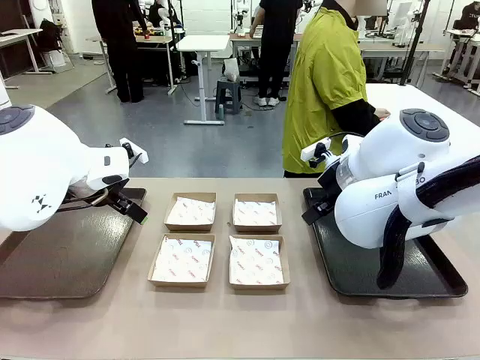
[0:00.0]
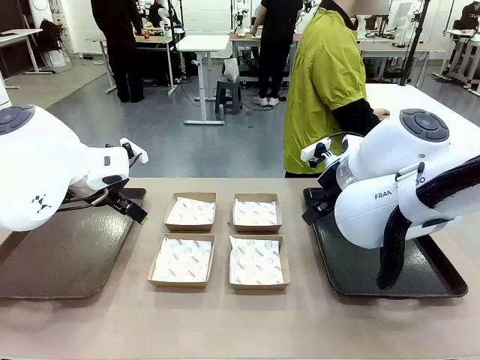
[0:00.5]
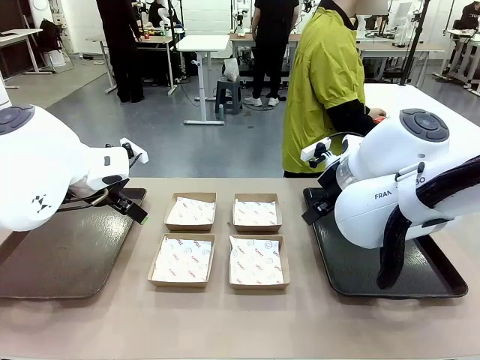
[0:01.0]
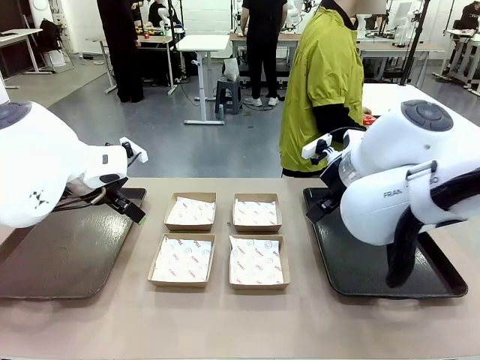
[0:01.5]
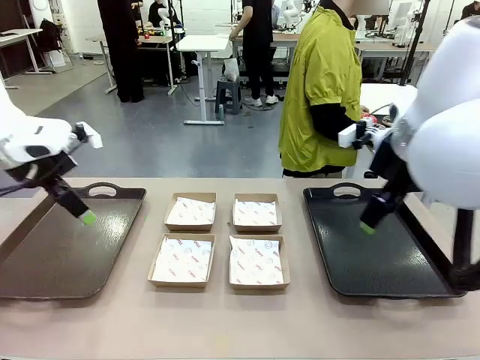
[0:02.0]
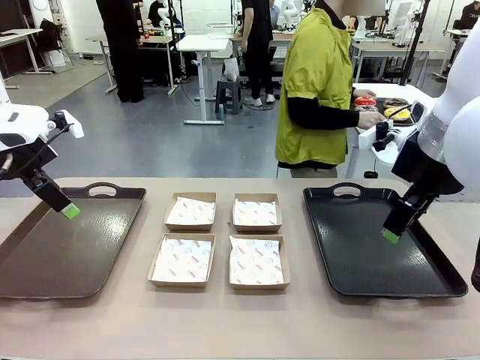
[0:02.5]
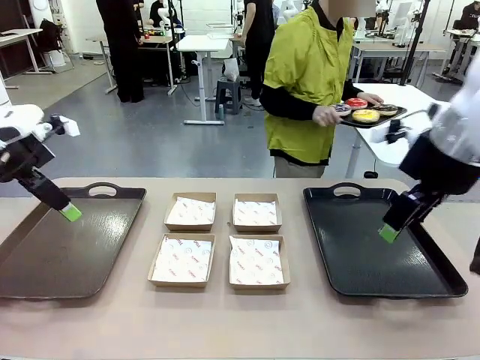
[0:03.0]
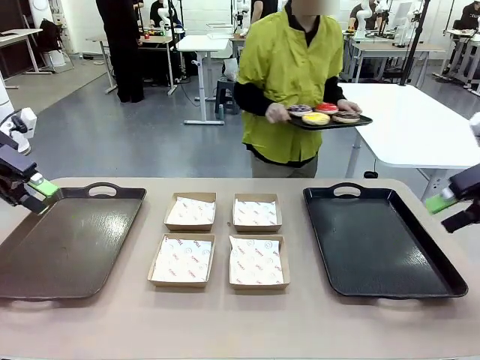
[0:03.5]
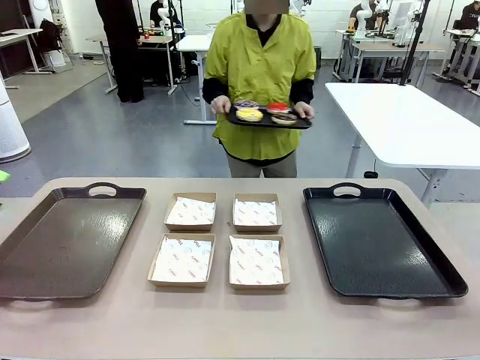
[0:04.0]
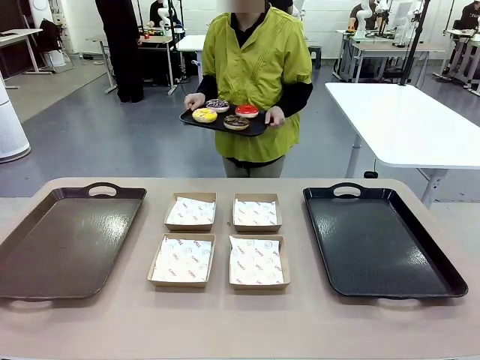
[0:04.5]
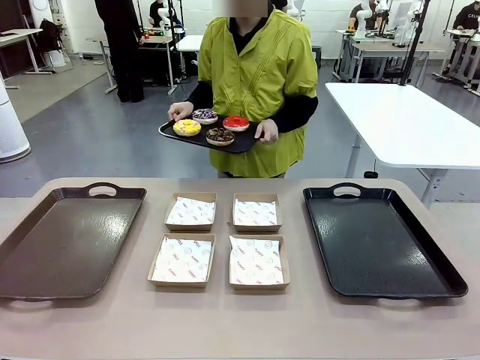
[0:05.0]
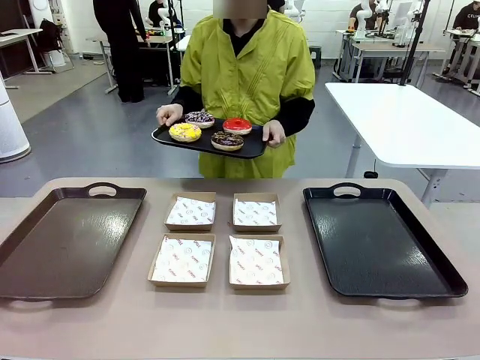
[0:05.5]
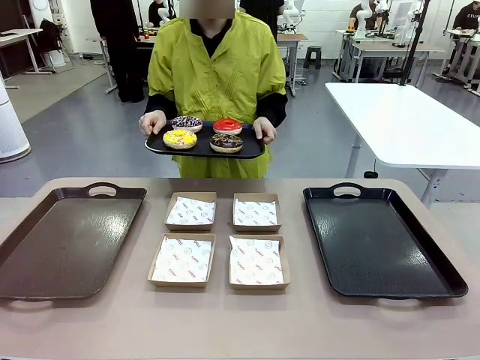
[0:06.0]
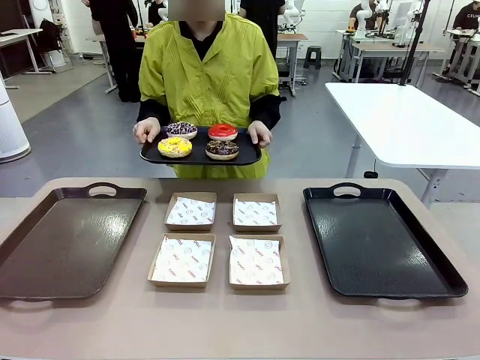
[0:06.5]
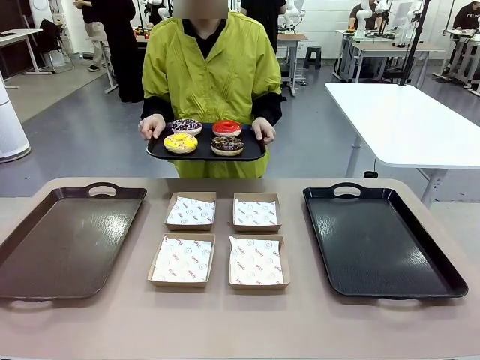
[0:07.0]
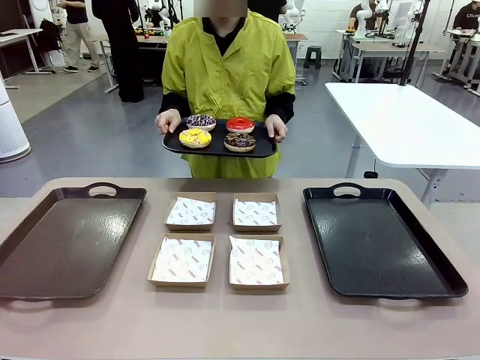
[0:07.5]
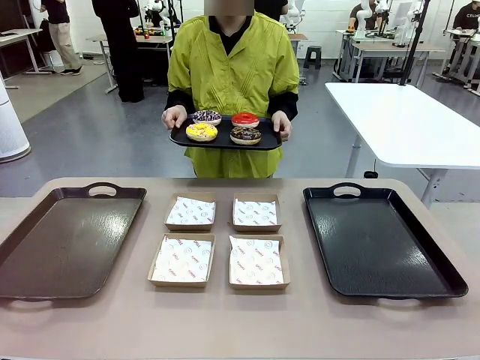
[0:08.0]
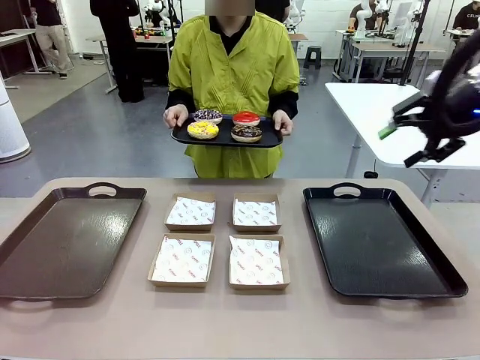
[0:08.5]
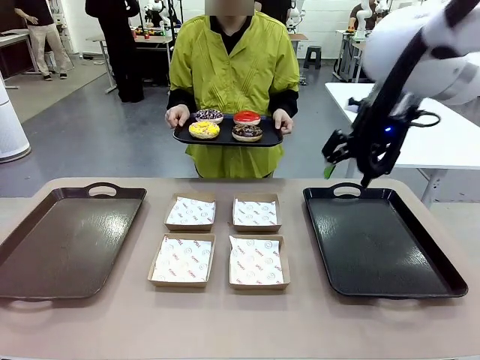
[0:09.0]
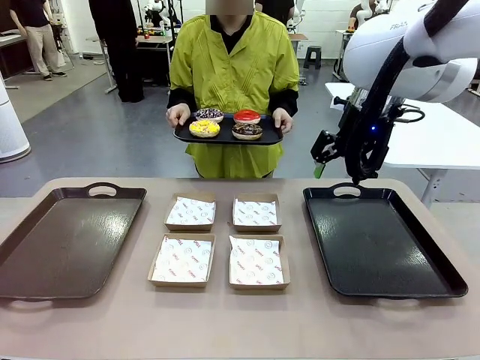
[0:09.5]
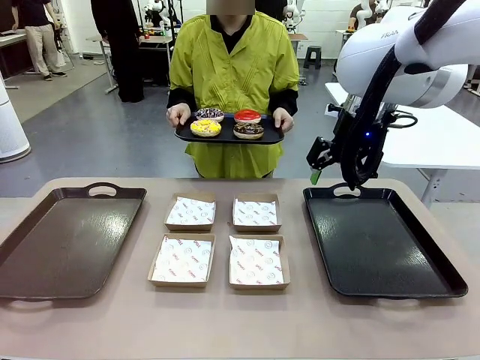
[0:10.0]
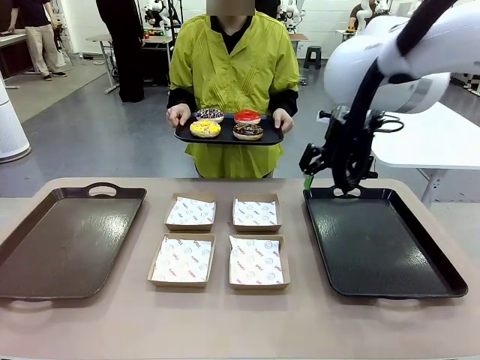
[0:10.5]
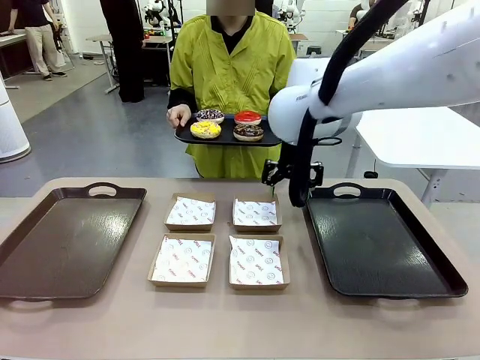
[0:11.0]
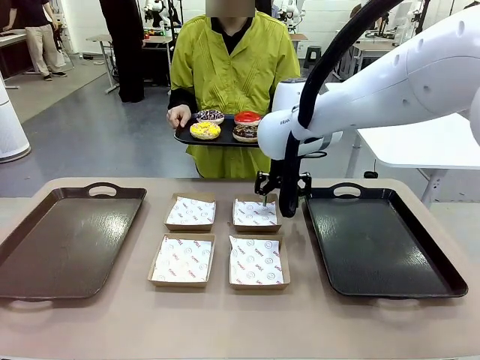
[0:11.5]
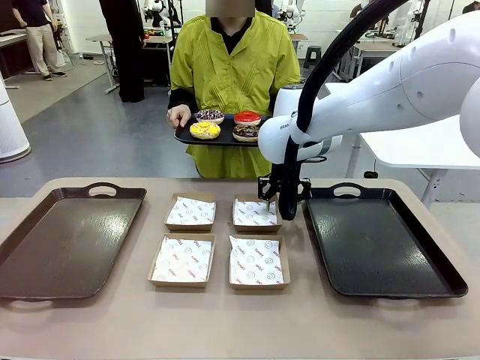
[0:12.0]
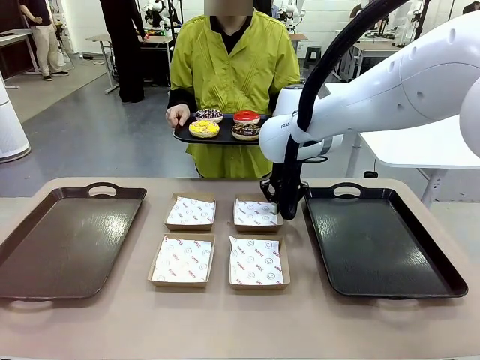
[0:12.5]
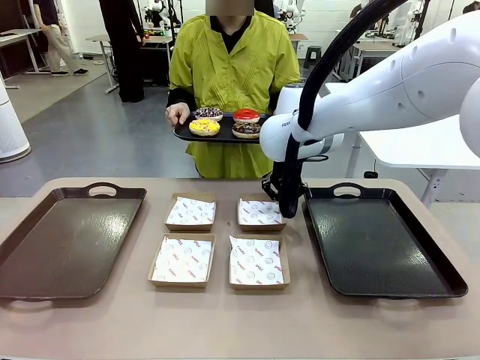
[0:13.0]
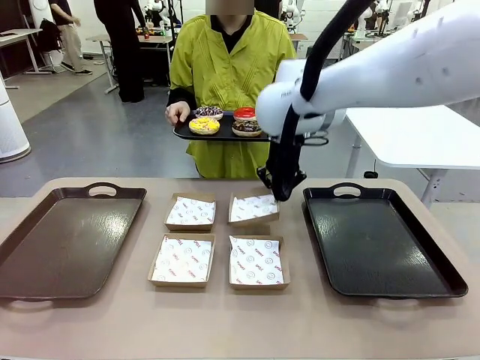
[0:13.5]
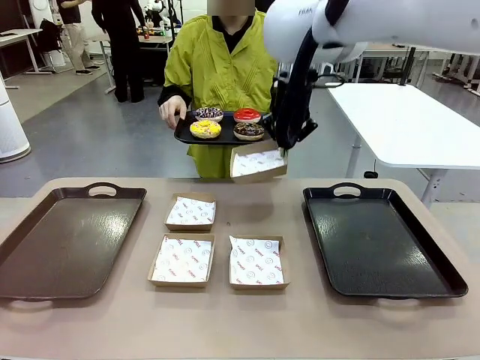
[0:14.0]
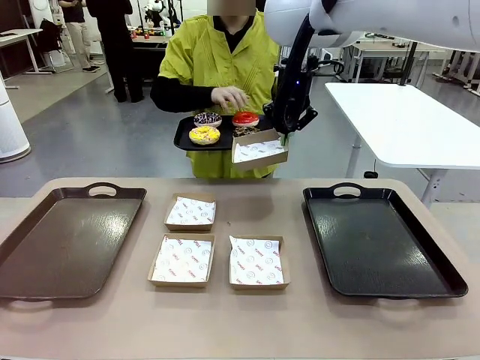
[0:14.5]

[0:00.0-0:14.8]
Task: Individually package the donuts and arrange them on the tray.
Robot: Pick up one Paper togo box.
Person: Stand in front of the robot table holding the tray containing the donuts.

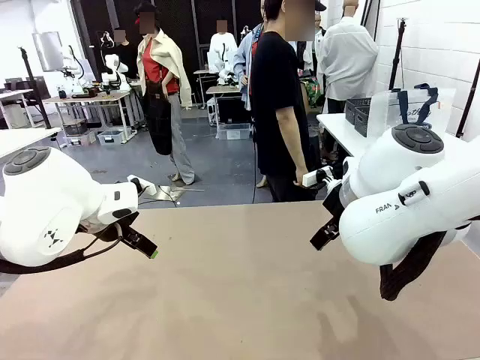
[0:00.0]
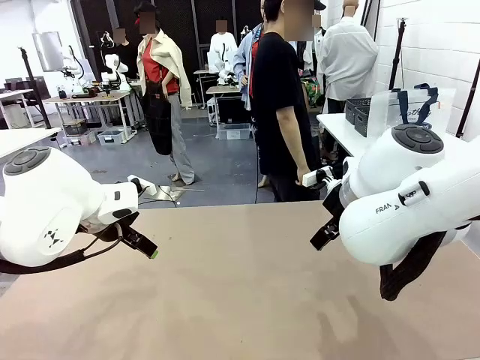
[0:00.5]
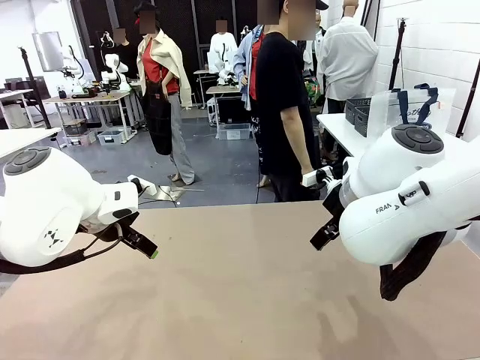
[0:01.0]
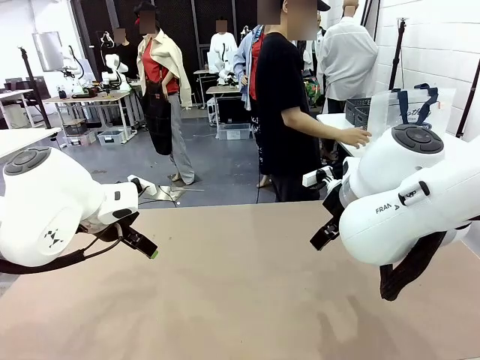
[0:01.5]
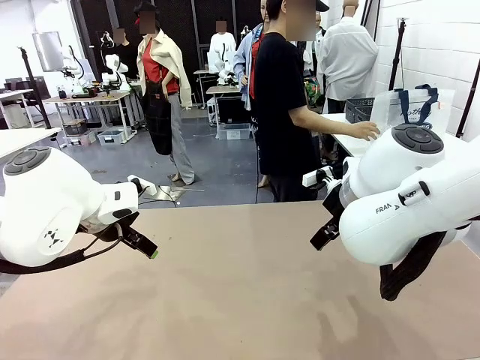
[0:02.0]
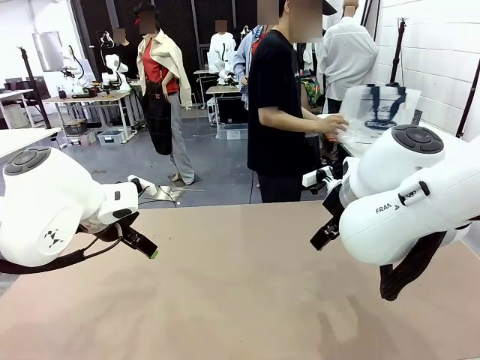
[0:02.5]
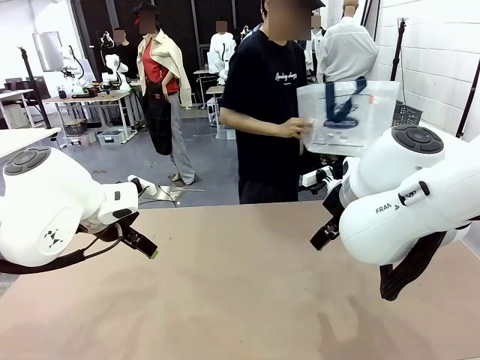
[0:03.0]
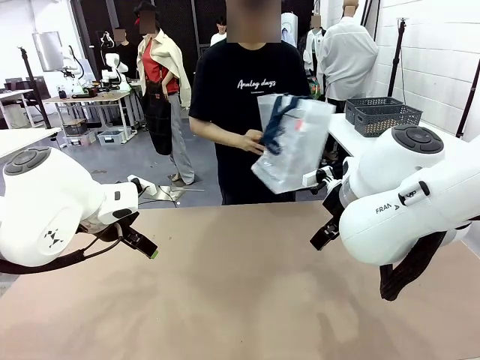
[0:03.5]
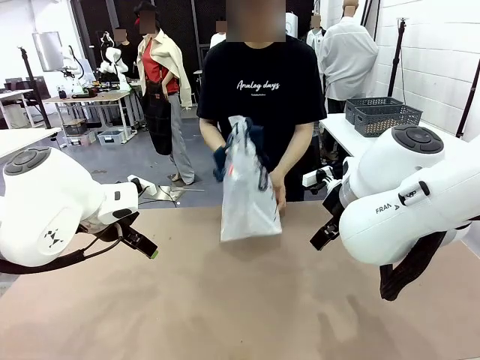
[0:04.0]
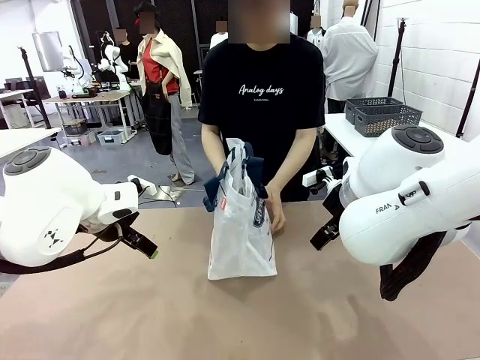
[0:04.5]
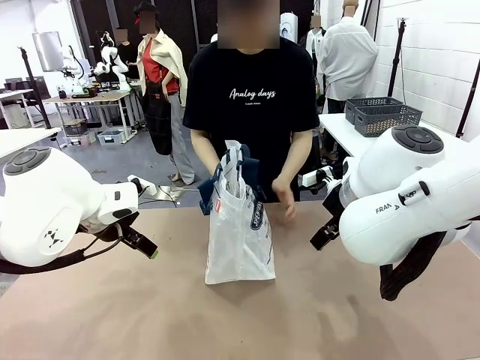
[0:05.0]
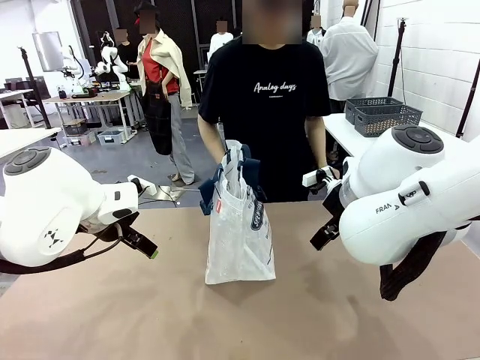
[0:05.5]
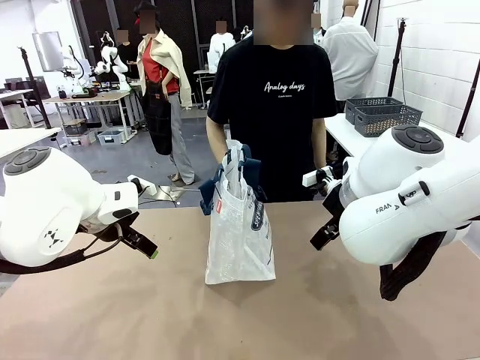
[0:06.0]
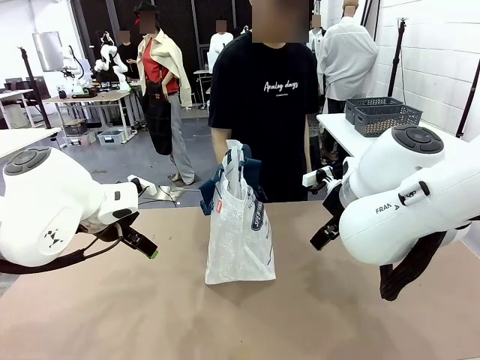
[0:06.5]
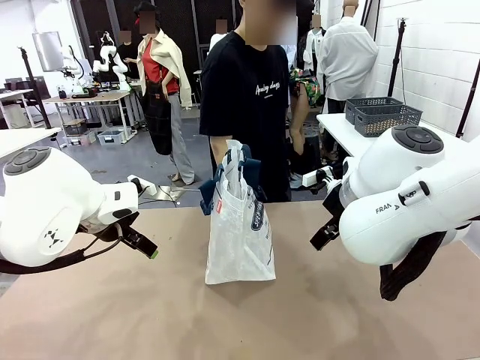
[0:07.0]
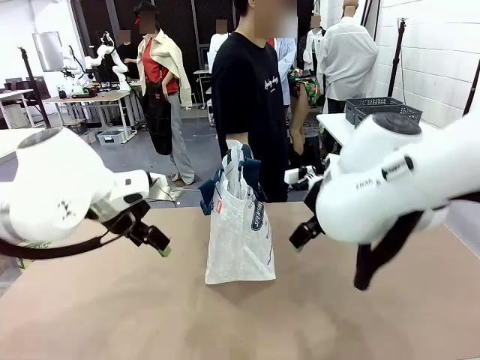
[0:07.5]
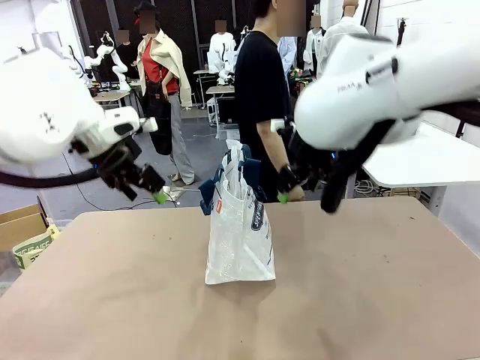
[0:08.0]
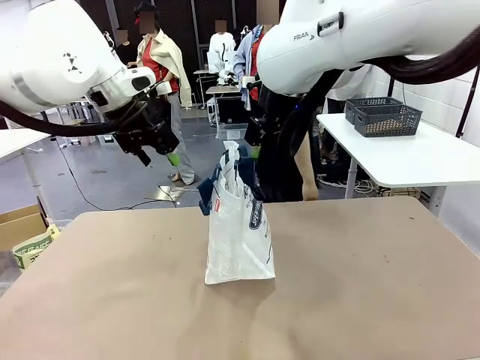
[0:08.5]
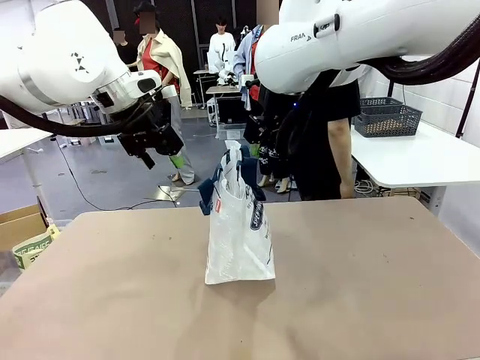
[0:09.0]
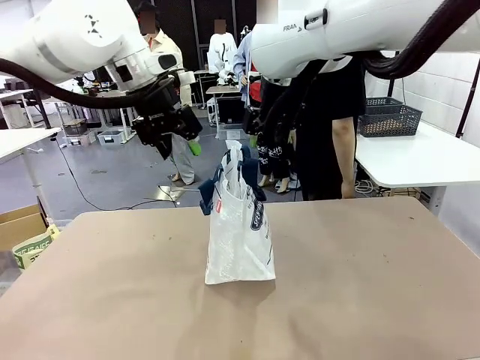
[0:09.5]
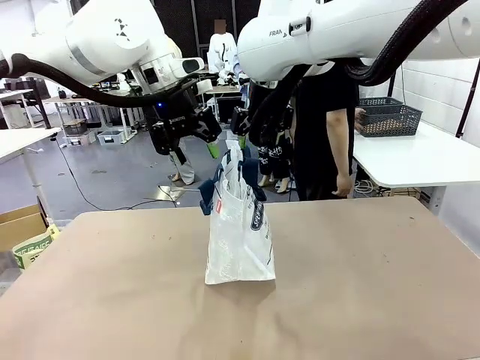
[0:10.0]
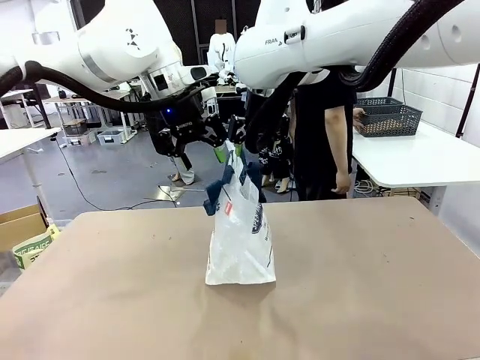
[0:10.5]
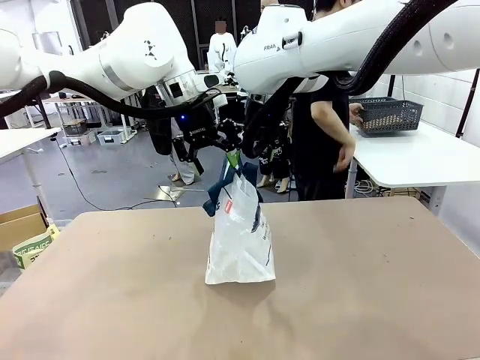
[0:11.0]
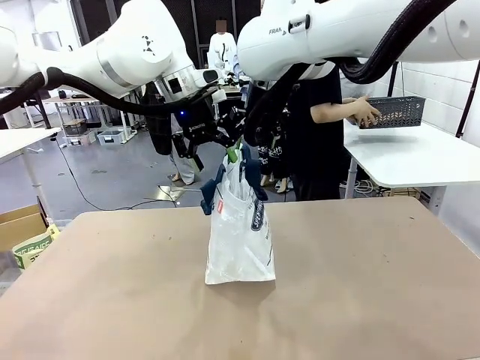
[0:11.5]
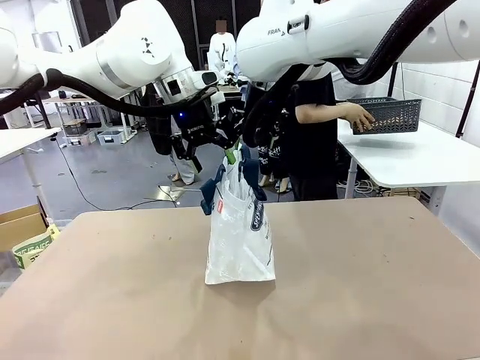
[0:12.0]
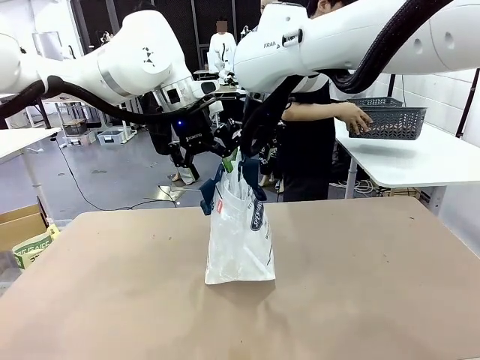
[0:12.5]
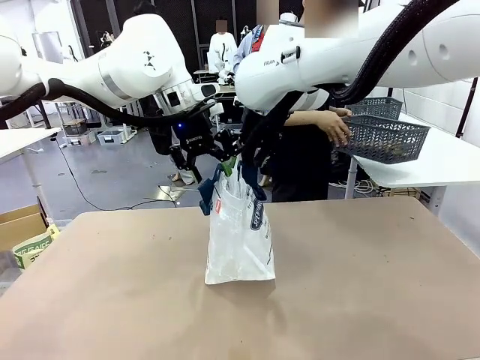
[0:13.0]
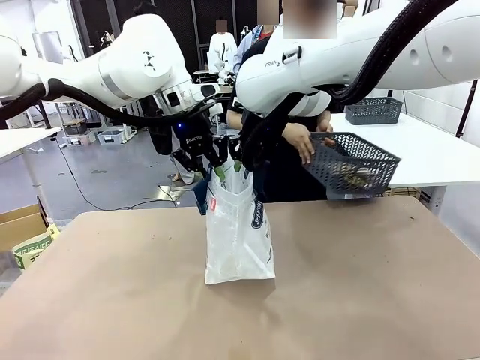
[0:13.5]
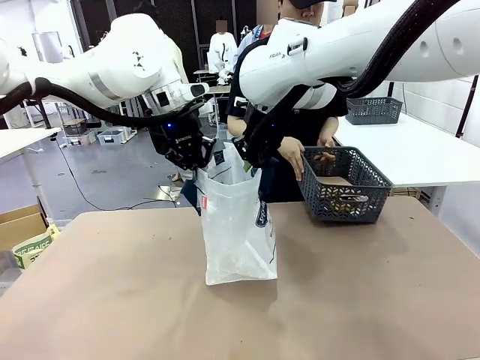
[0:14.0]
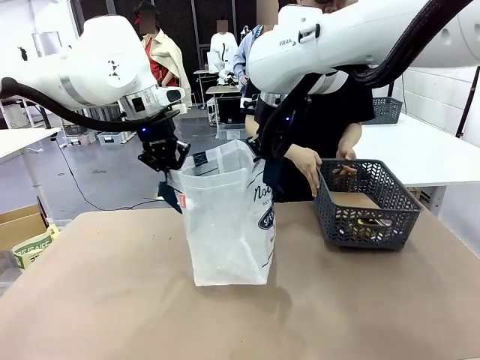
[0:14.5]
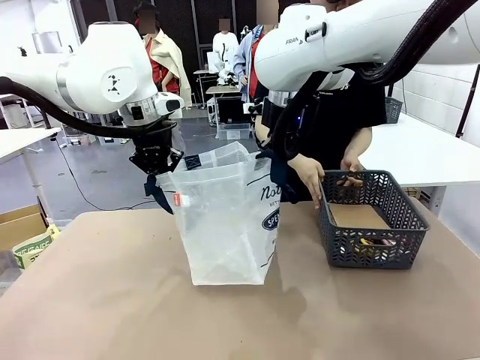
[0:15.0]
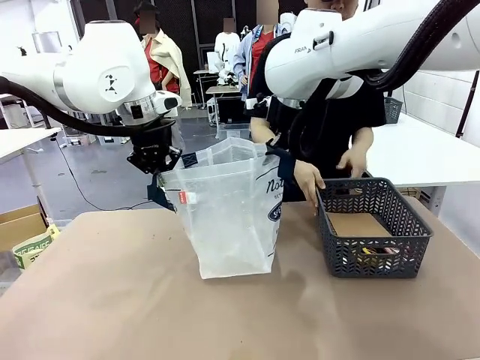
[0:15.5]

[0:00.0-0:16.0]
Task: Transfer purchased items from the store into the shopping bag.
Robot: Open the Reusable shopping bag in the center of the table.
Person: Pick up the shopping bag and place it in the middle of the robot table.
